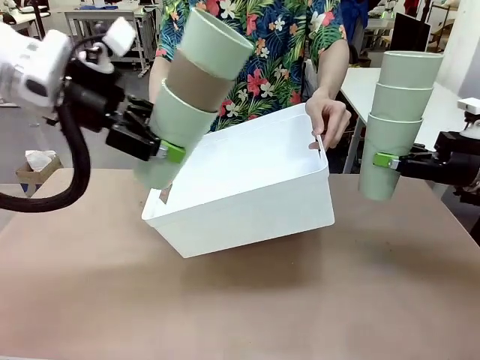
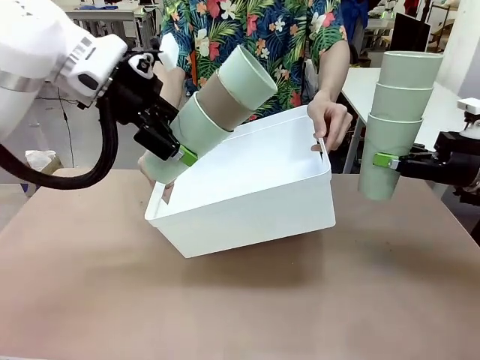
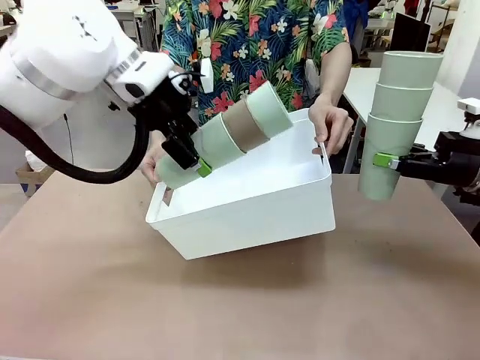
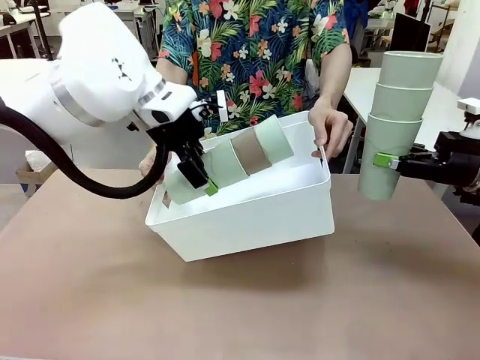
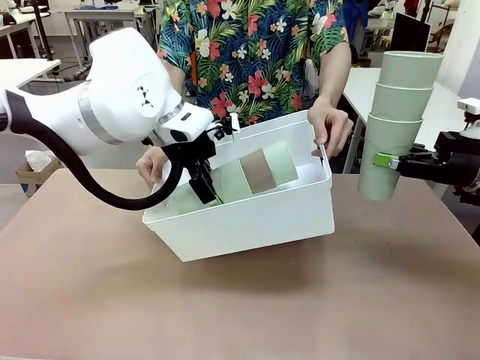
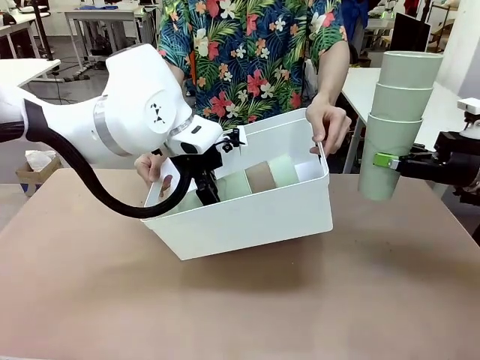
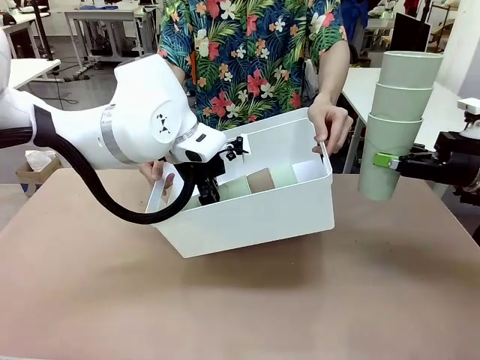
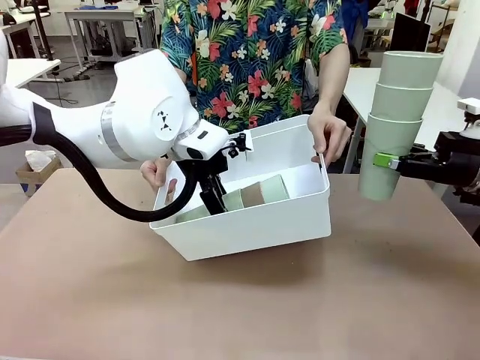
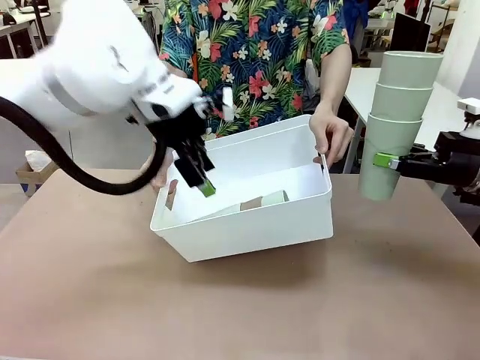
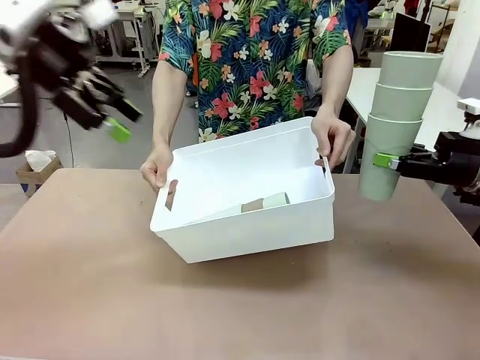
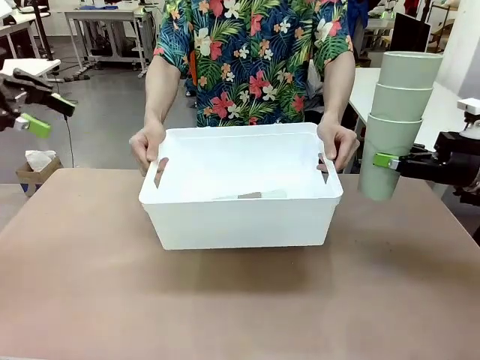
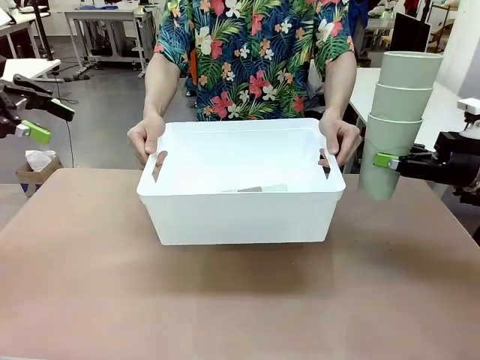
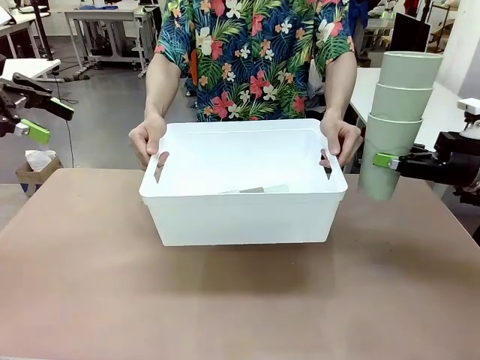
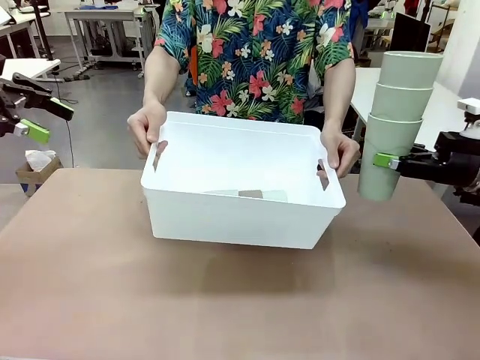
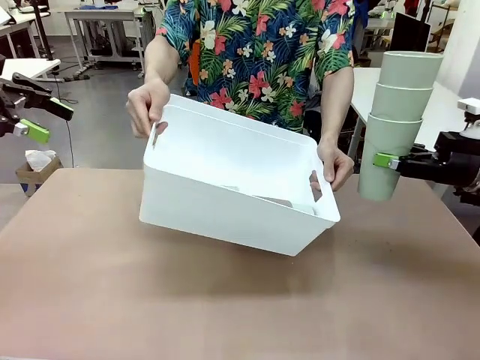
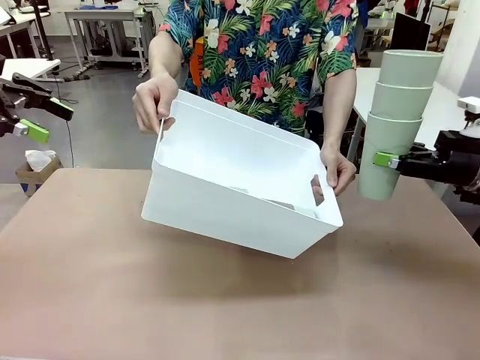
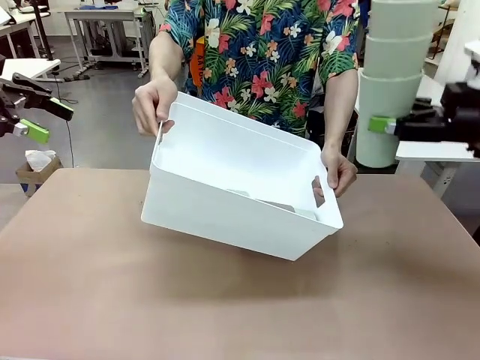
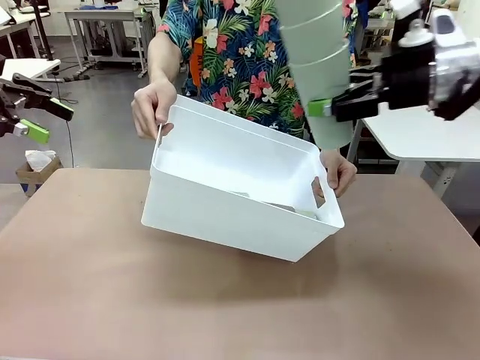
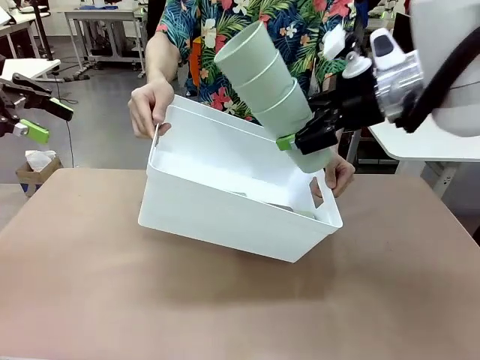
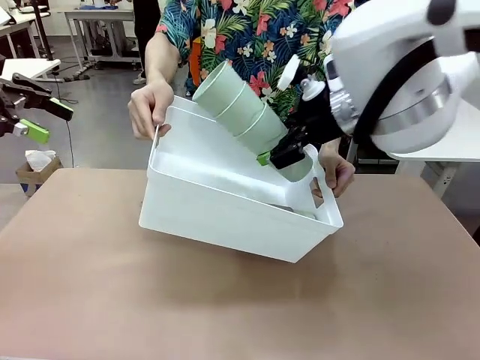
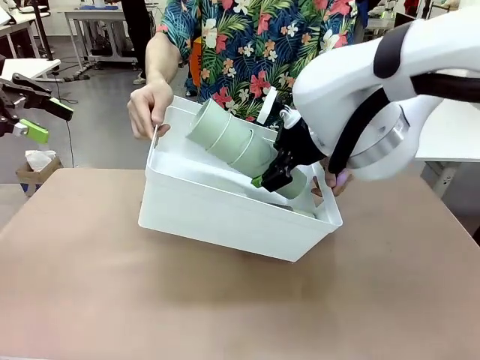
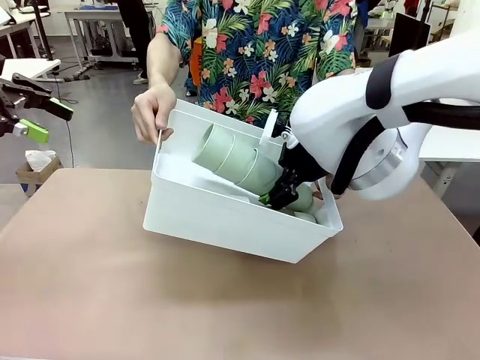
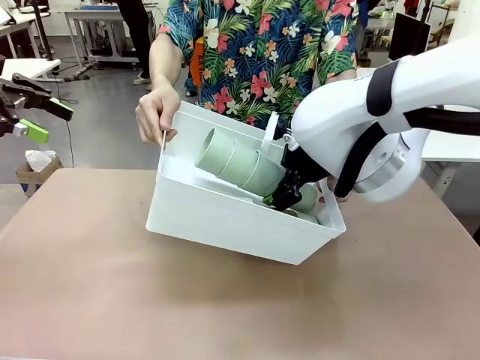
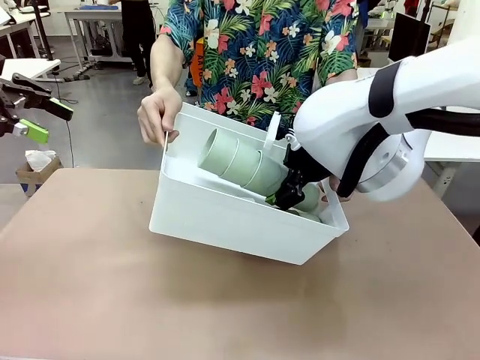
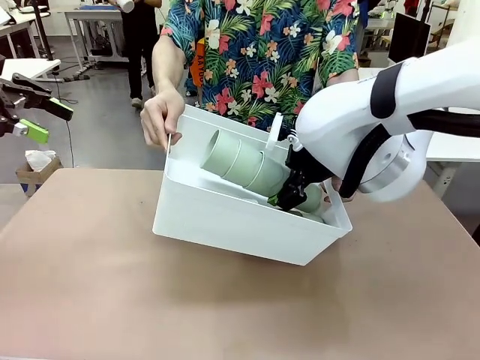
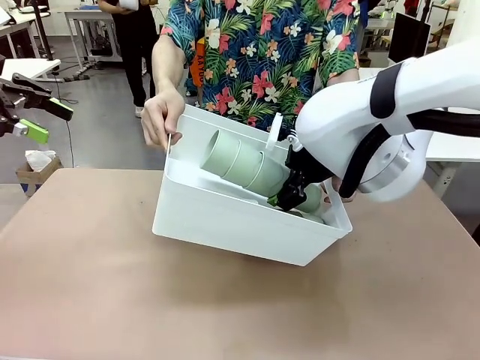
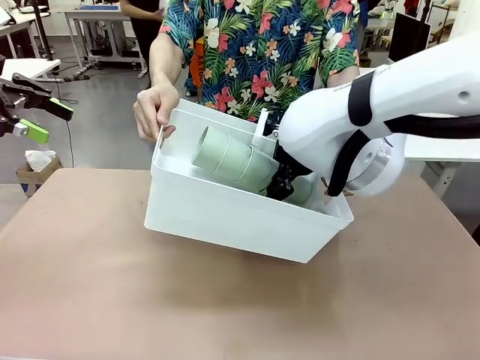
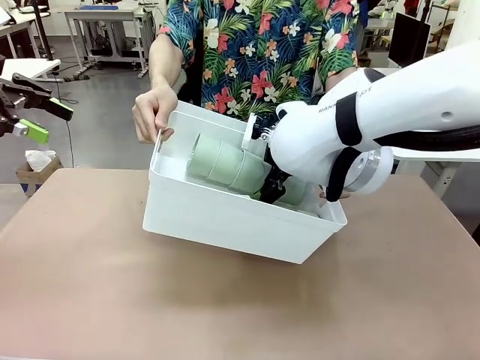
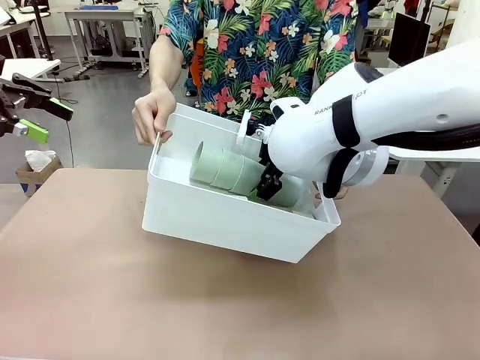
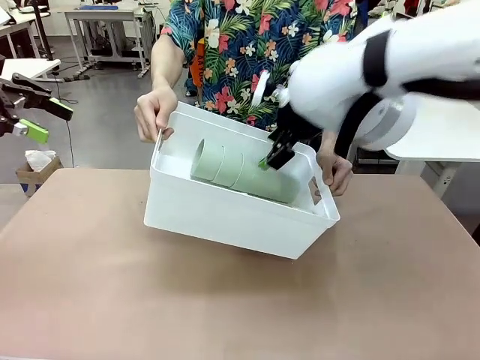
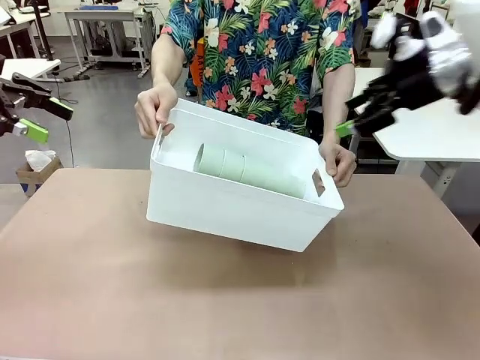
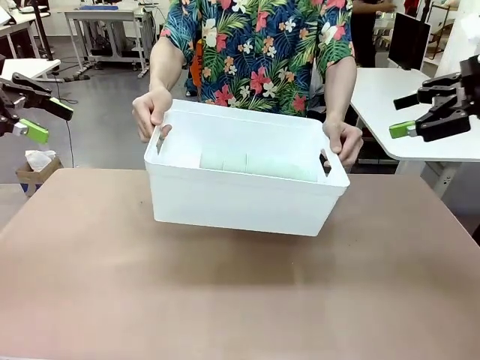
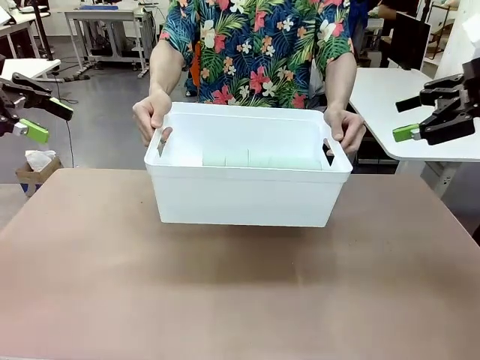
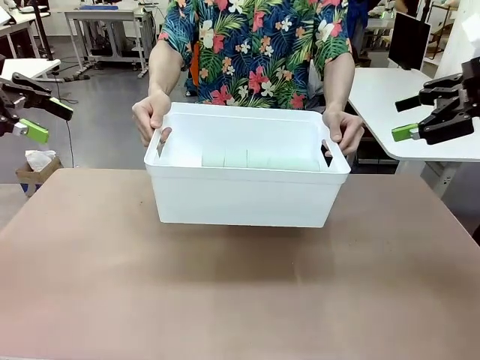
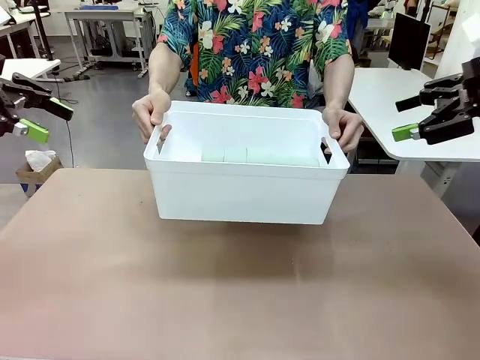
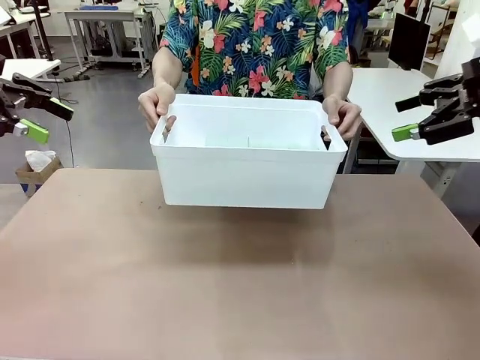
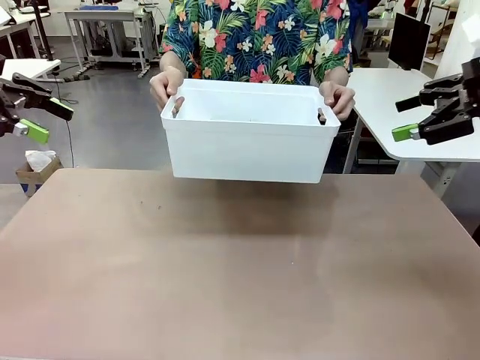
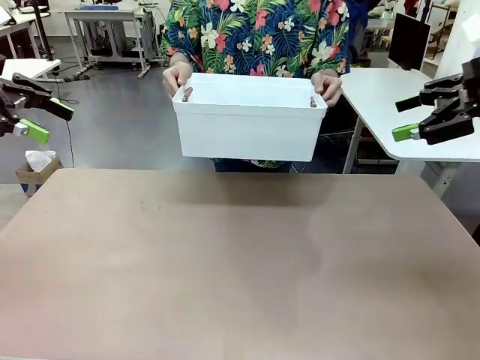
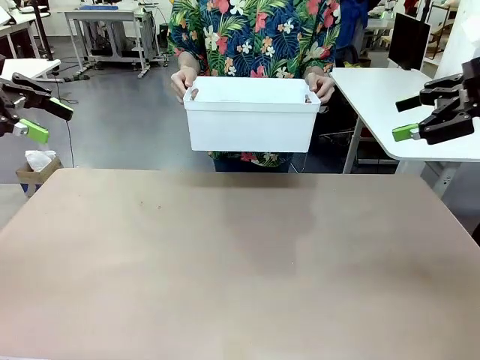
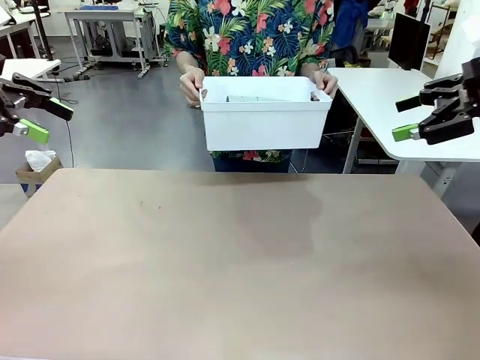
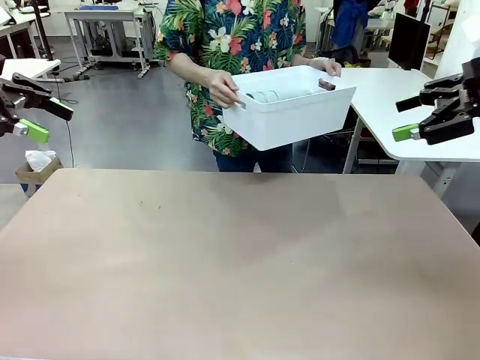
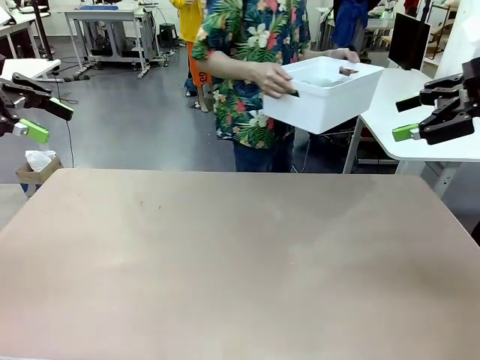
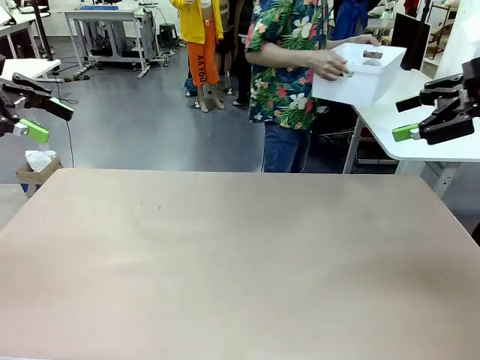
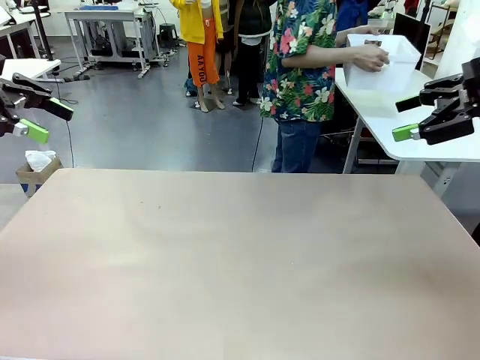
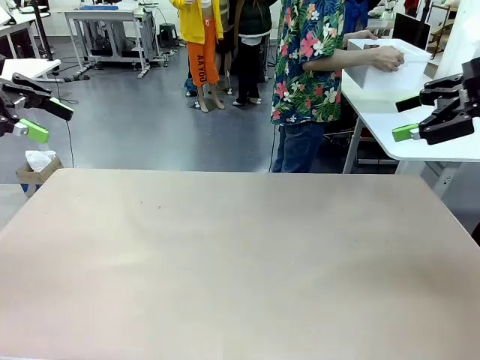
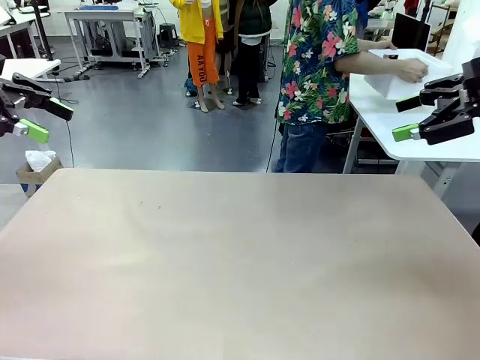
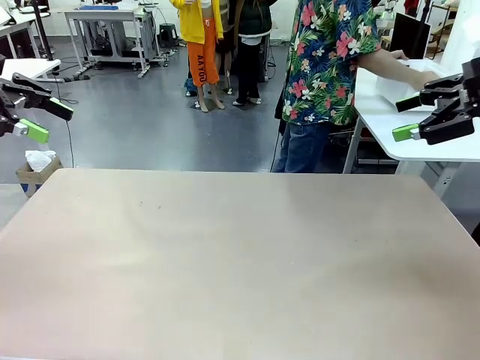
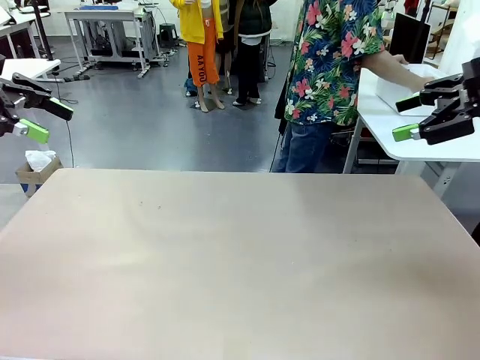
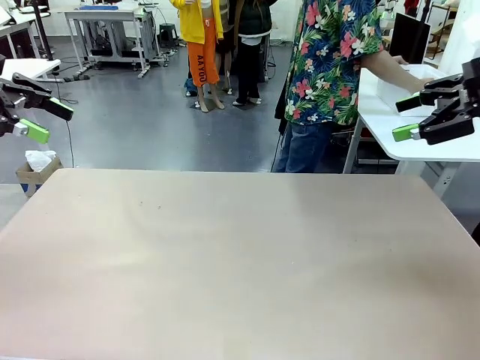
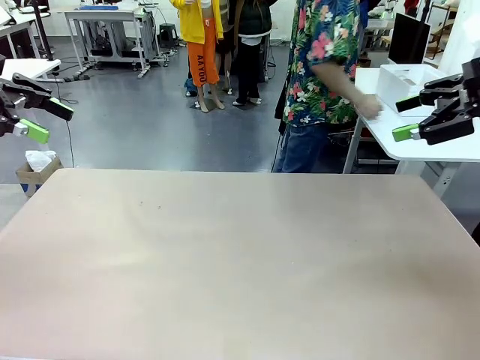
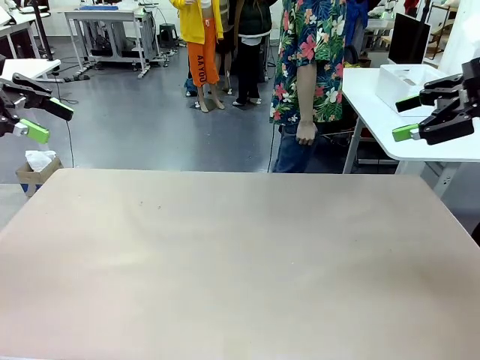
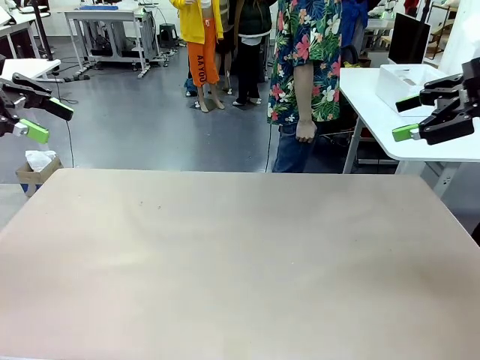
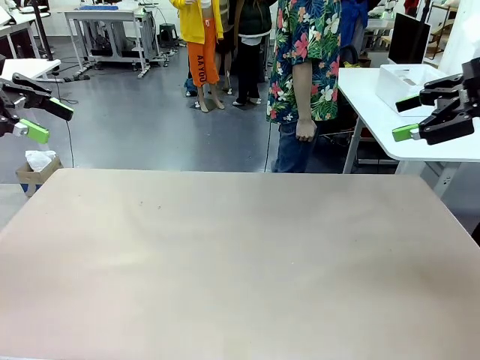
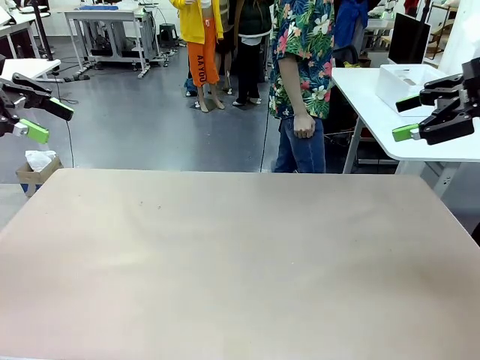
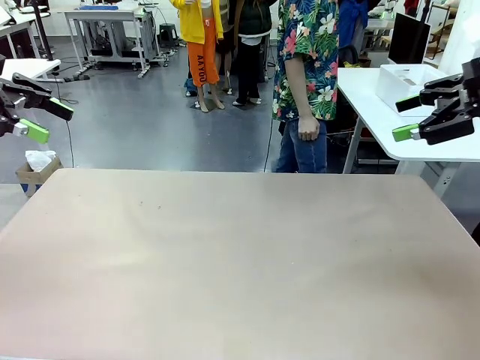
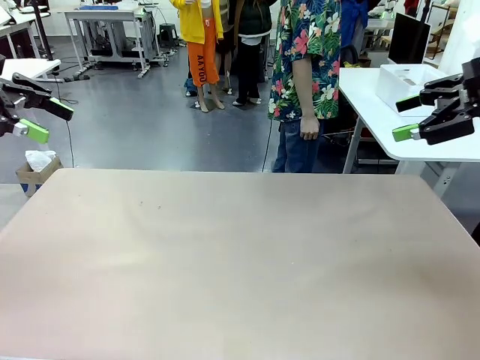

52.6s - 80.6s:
Task: Stack the cups and store them in the basket.
Robot: Place the stack of Reusable plastic cups into the Pantry Basket.
Person: Place the basket containing the cups in the middle of the Human Table.
